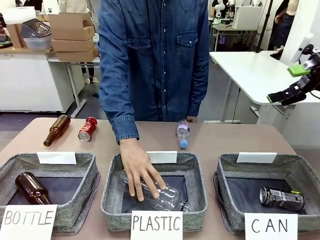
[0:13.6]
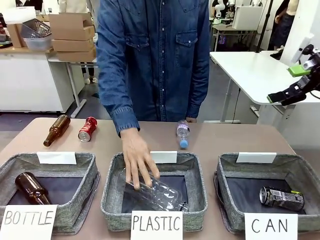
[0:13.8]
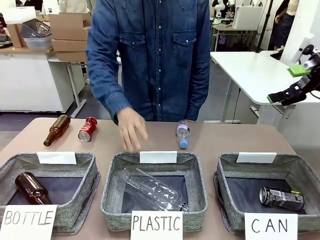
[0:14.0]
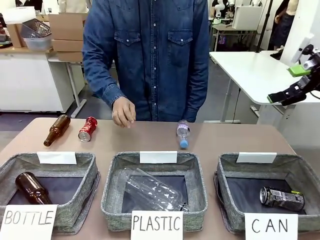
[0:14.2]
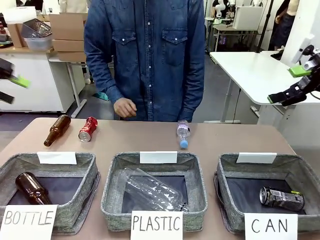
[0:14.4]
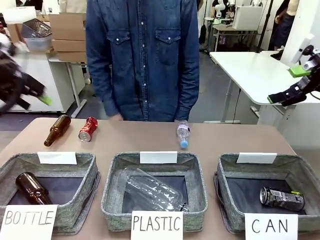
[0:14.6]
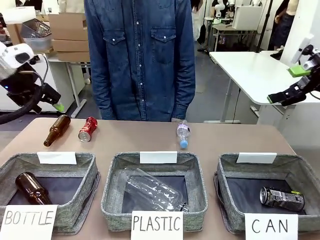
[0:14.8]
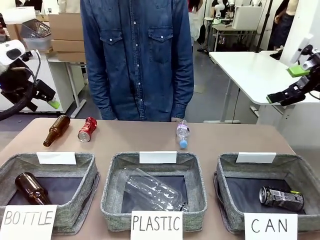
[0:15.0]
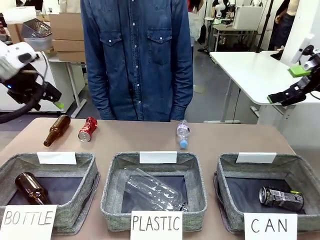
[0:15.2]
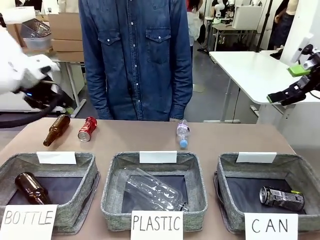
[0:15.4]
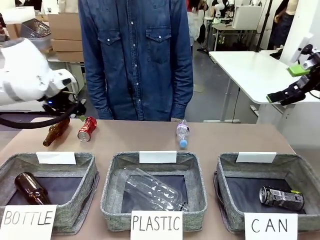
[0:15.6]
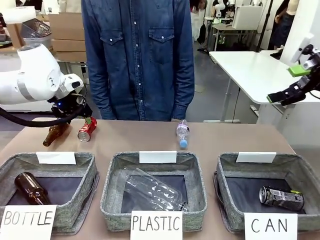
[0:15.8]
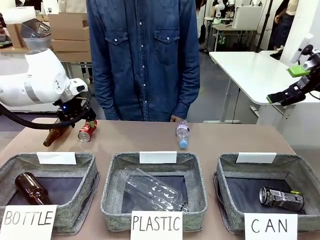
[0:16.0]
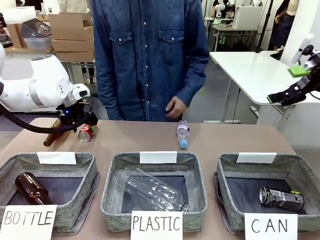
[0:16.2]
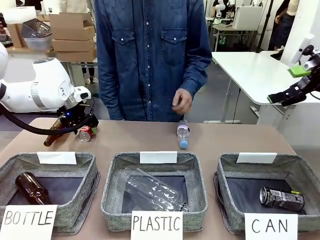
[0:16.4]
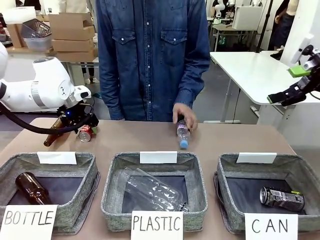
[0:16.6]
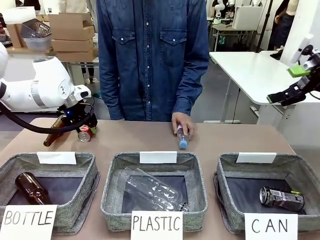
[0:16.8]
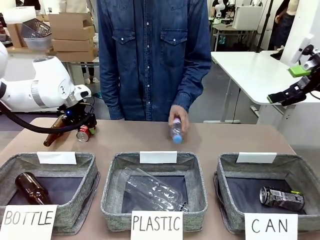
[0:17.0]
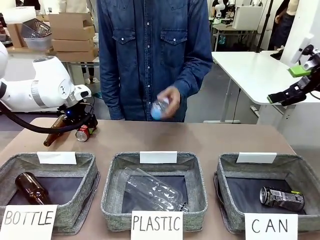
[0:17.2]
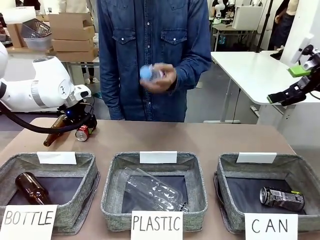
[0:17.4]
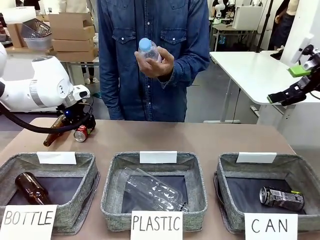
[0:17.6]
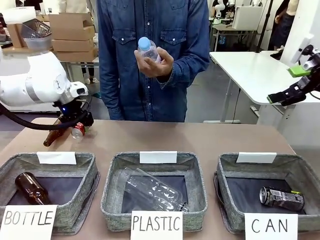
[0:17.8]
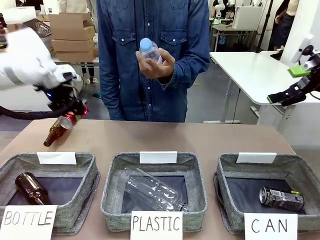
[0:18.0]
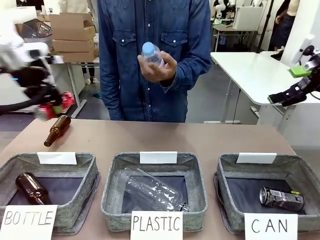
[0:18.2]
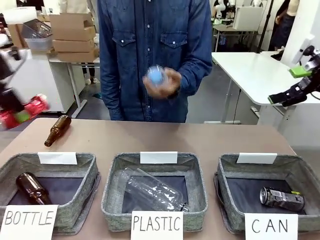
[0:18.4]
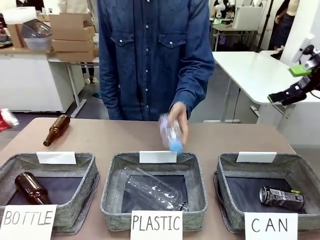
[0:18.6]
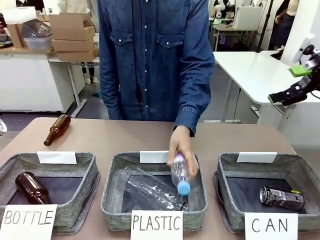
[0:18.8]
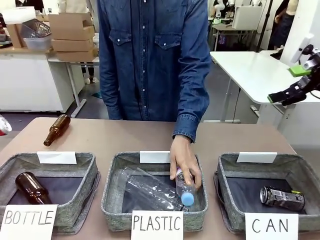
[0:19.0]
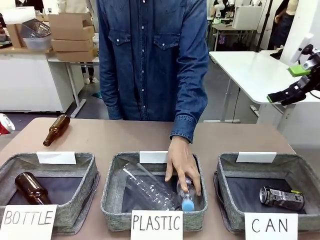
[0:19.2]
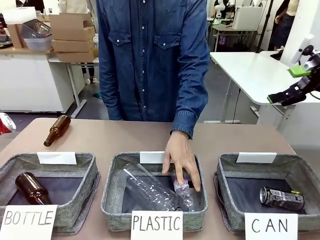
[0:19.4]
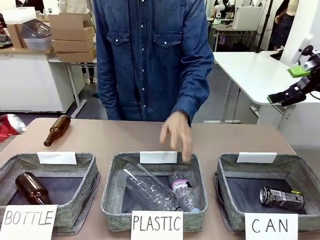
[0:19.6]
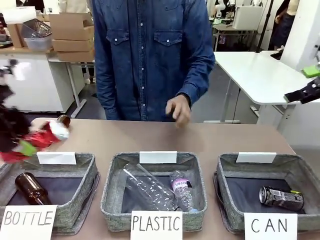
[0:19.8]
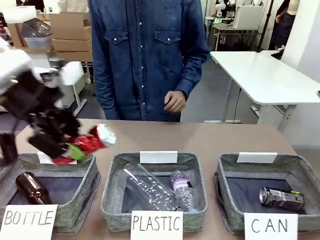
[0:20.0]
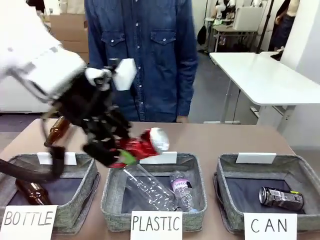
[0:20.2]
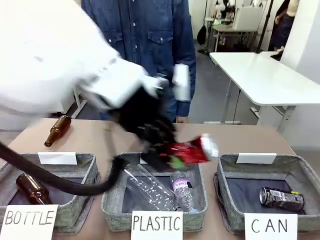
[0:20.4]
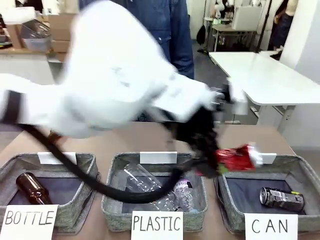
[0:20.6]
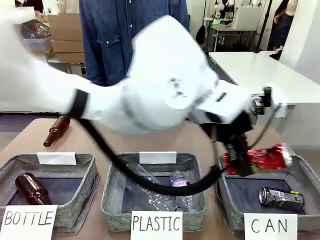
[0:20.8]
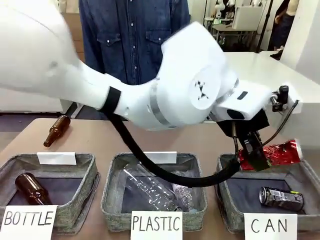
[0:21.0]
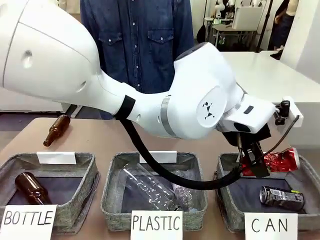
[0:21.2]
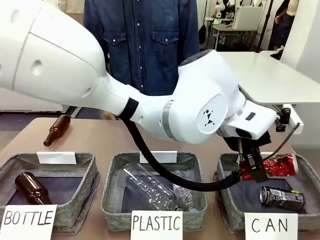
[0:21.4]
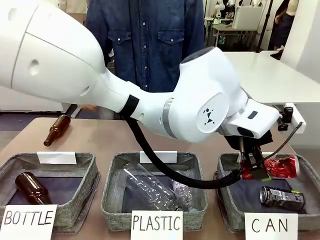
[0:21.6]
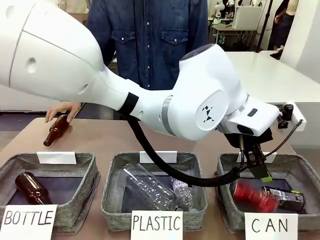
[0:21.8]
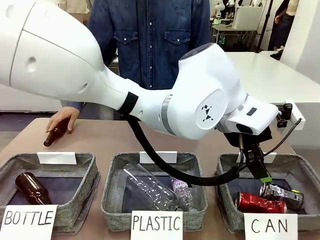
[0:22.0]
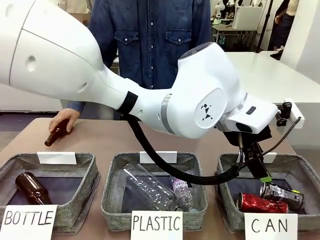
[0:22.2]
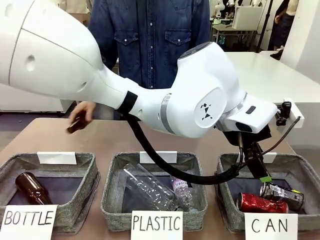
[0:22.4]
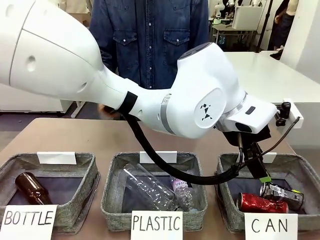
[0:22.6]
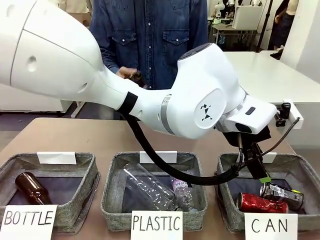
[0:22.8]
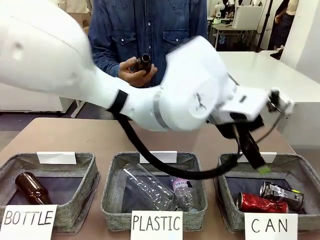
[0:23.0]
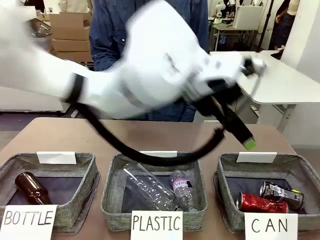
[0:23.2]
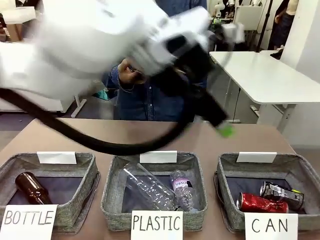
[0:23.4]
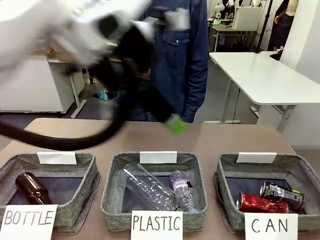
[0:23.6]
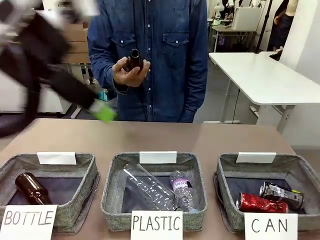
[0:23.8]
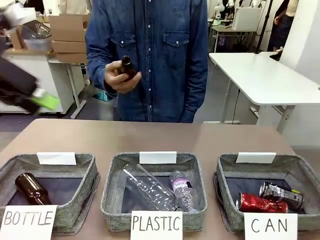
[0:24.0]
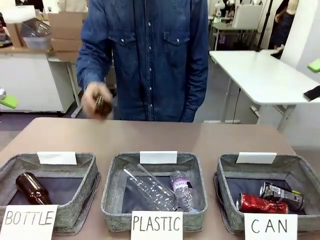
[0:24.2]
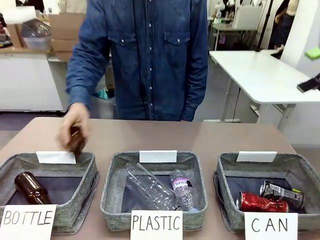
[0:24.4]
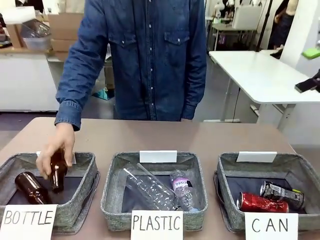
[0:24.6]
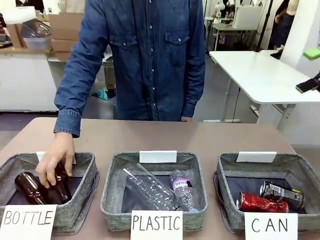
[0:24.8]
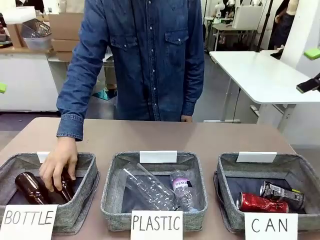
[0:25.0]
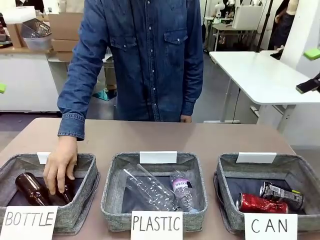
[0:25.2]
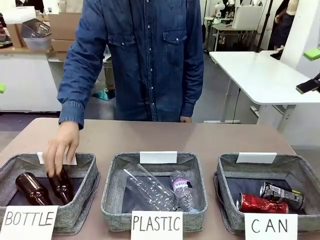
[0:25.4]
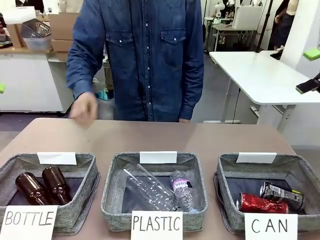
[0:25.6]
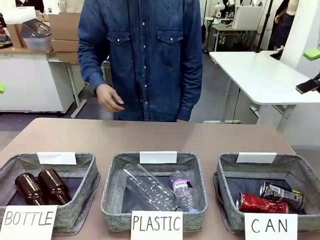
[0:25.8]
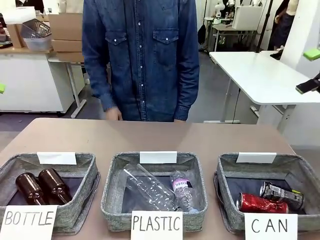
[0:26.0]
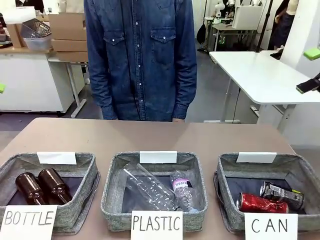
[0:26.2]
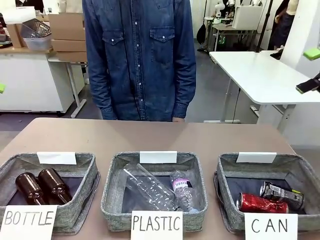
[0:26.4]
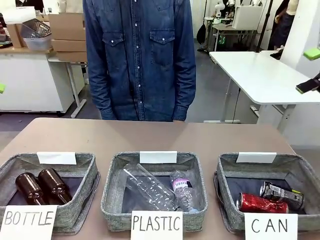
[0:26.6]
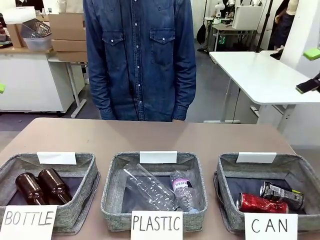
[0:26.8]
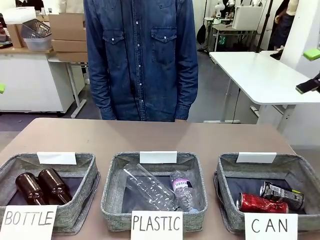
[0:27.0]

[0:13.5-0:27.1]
Task: Sort the can waste into the basket.
Robot: Pick up the can waste from the table and place it in the right Fabric basket.
Person: The human picks up one piece of trash that is not a can and places the trash into the appropriate organizing basket.
